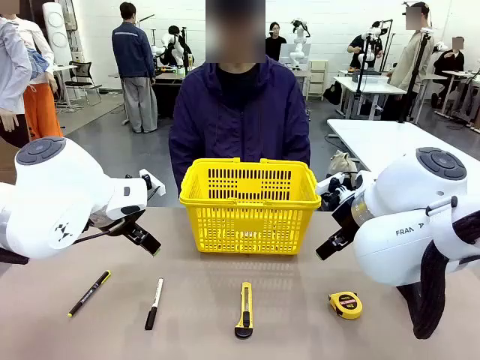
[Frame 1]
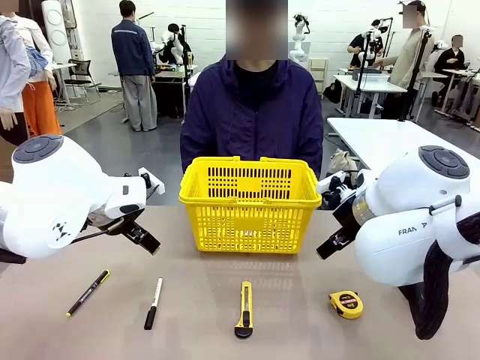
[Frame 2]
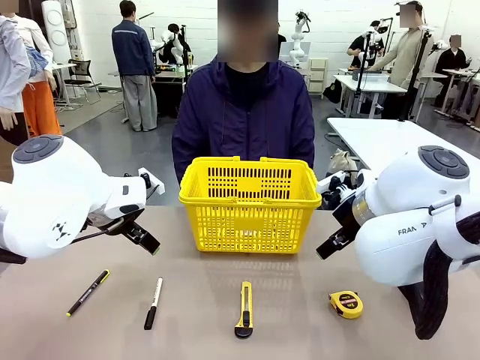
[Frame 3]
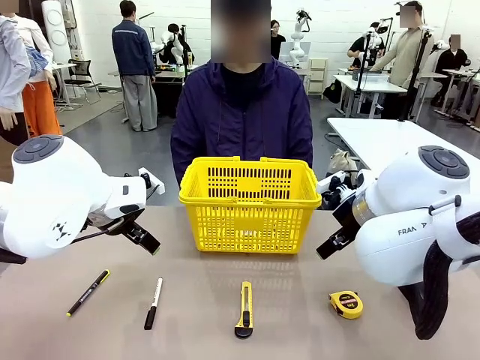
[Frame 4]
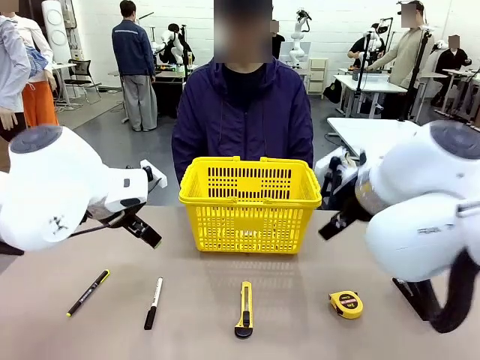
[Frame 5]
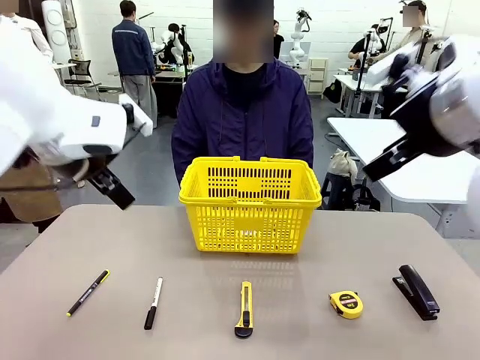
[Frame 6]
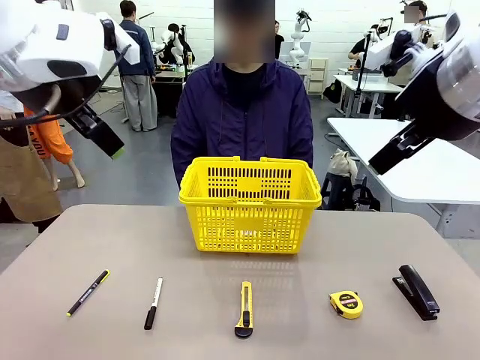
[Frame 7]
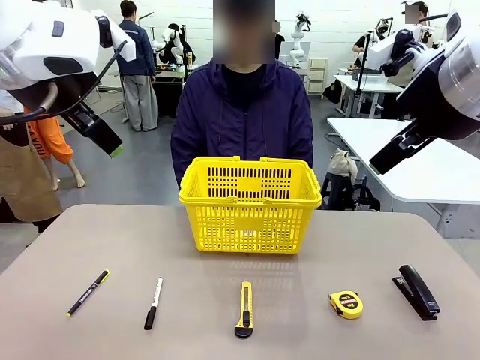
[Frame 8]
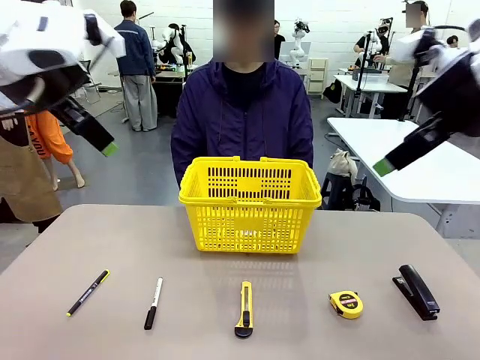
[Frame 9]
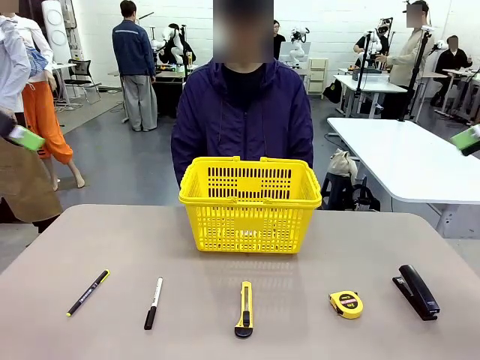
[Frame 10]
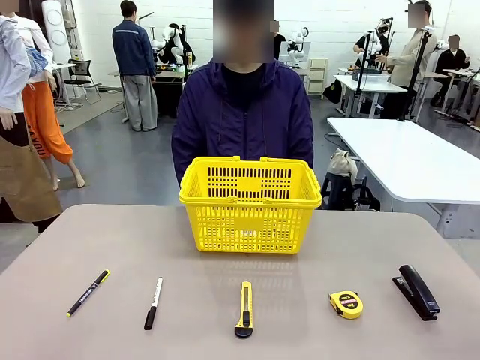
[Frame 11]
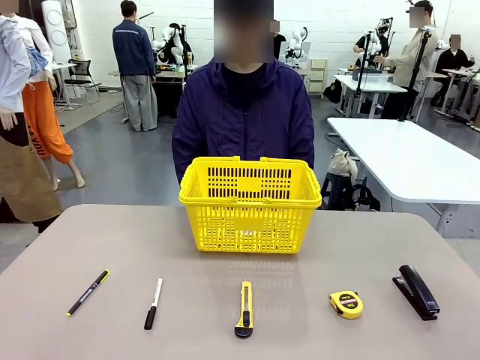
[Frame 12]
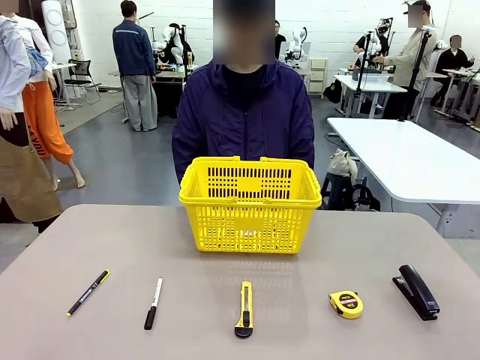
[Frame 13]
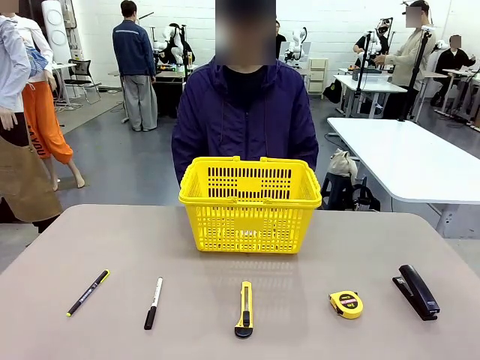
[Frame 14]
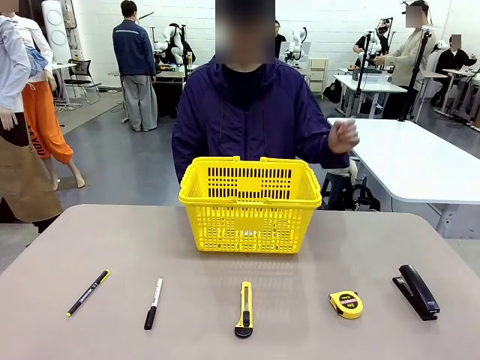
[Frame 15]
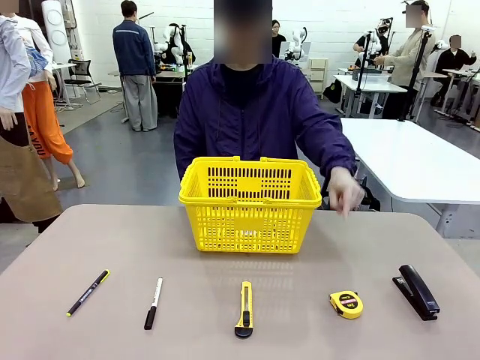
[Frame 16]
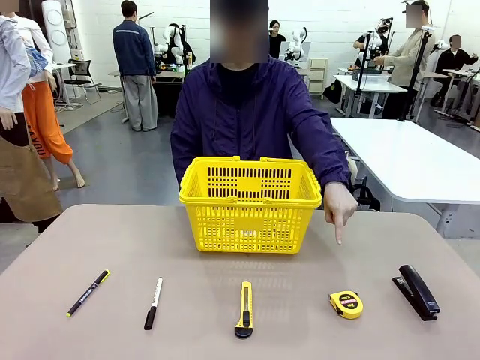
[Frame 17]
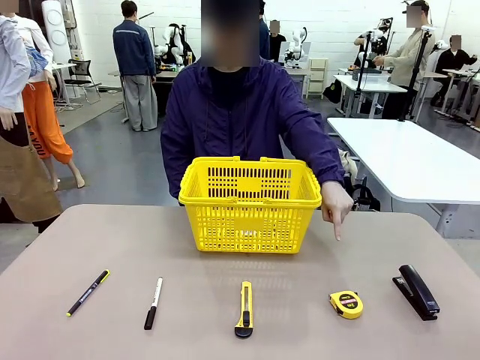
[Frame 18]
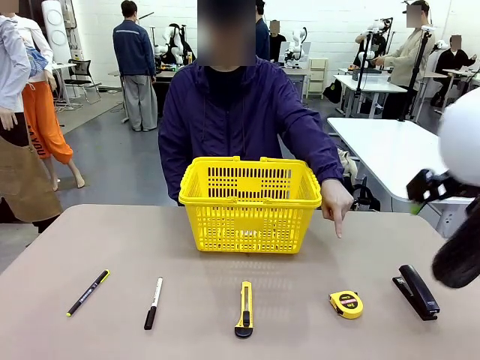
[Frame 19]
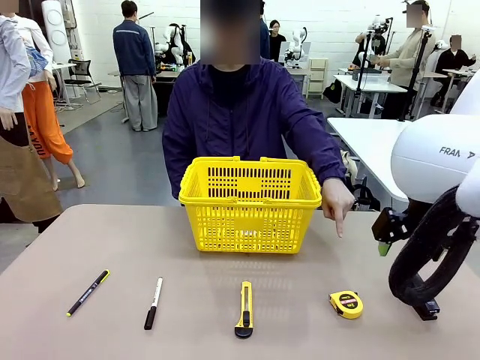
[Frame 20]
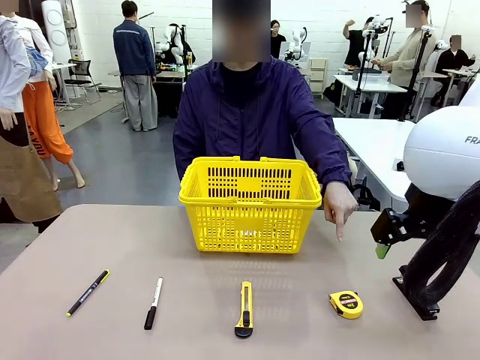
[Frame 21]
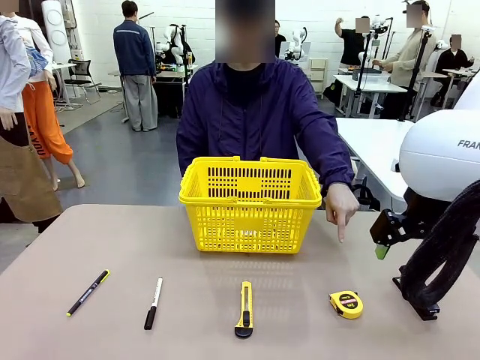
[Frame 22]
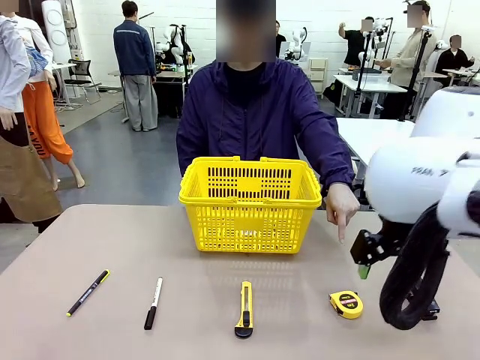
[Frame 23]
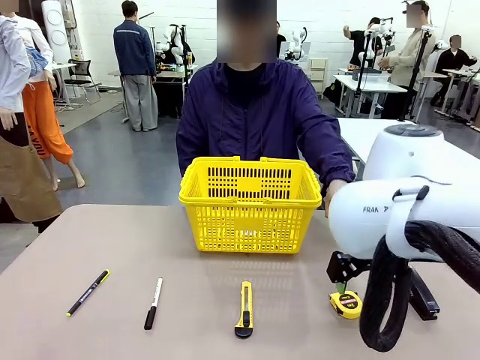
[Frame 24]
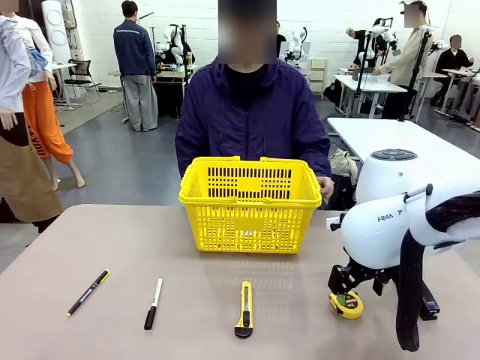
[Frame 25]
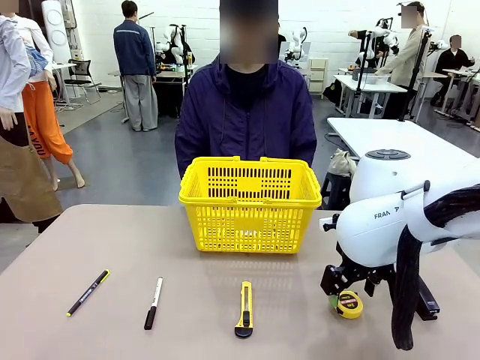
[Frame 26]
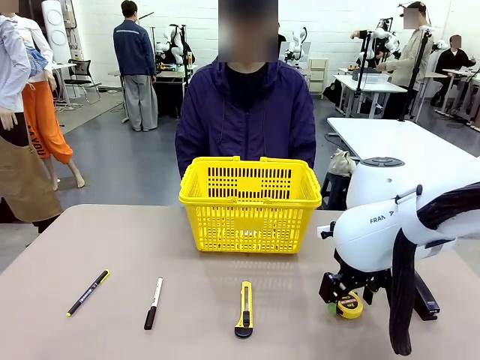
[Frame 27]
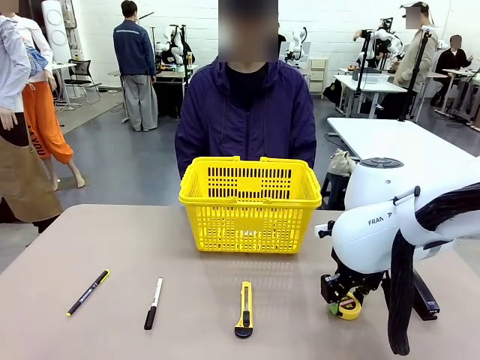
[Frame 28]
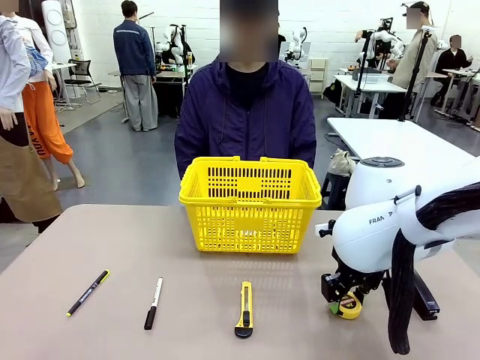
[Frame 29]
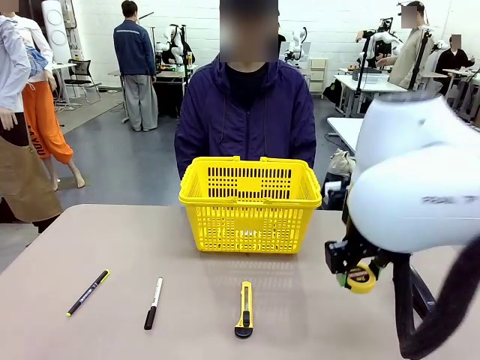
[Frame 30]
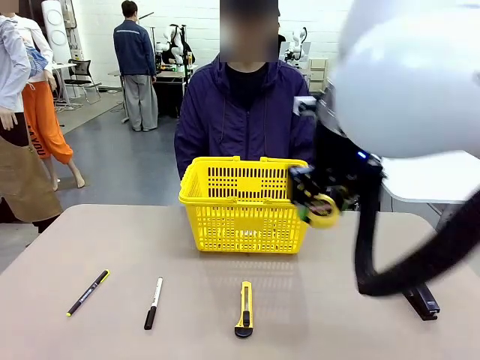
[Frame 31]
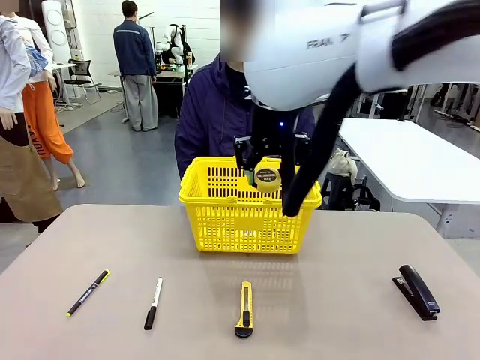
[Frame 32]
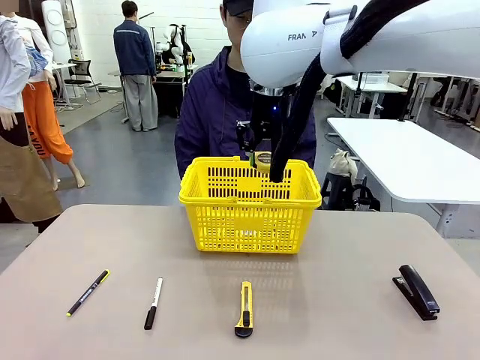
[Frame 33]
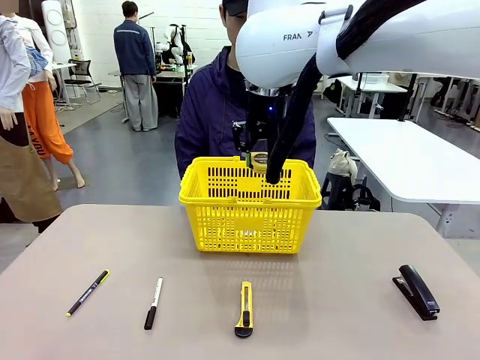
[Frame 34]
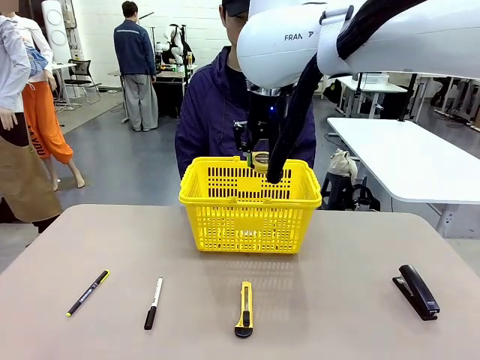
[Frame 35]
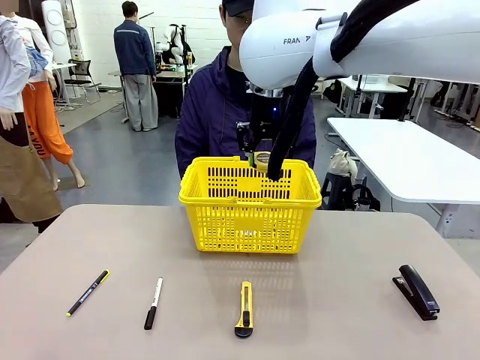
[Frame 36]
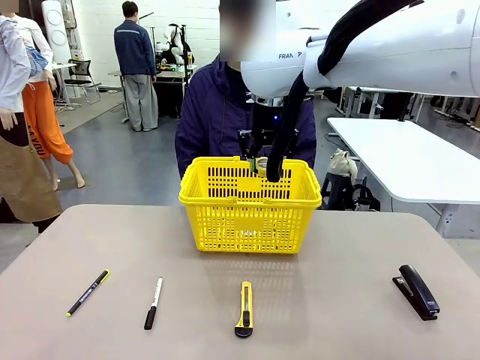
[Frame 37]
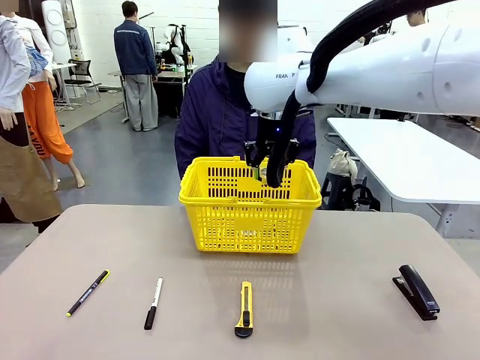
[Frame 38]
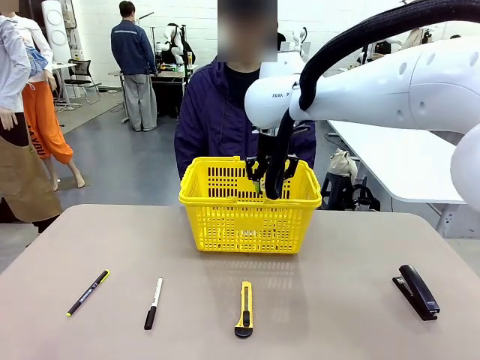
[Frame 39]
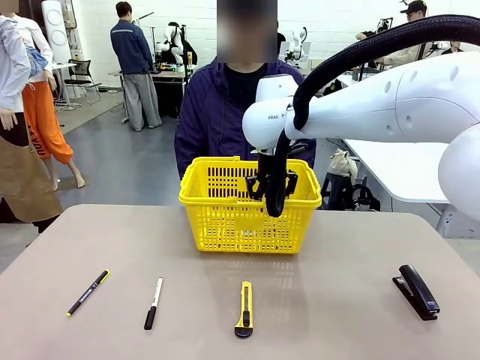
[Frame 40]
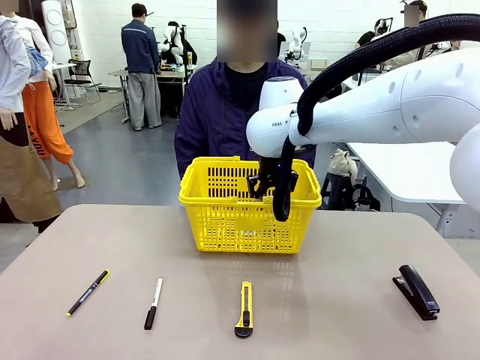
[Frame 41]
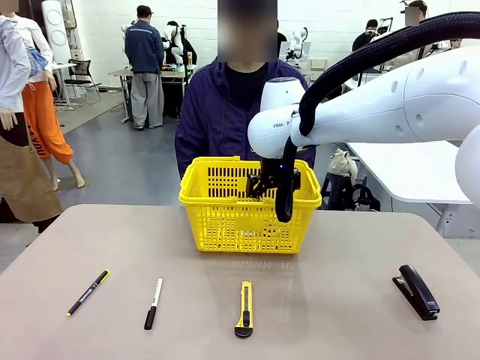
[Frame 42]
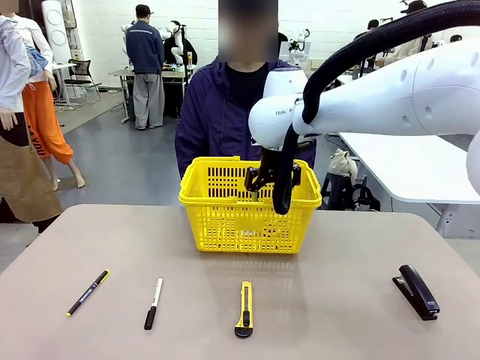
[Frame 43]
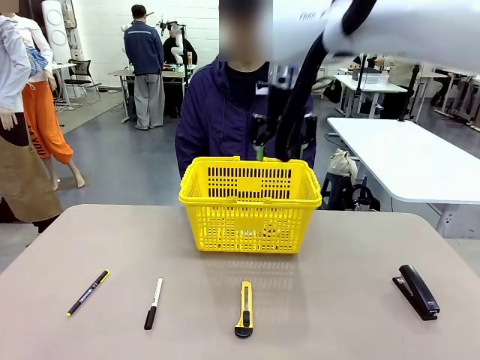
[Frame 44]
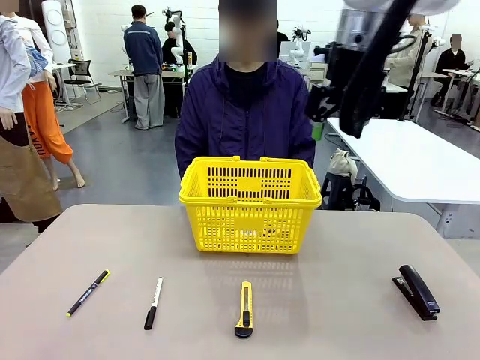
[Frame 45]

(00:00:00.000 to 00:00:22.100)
Task: Place the items the person wants into the basket.
Robot: Pick up the item the person points to and place it in the Market Basket.
